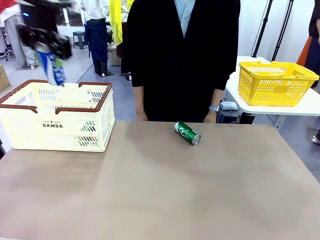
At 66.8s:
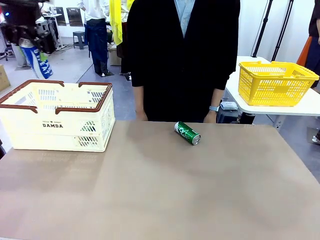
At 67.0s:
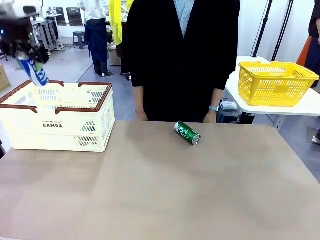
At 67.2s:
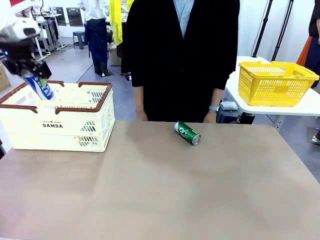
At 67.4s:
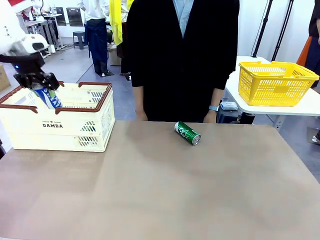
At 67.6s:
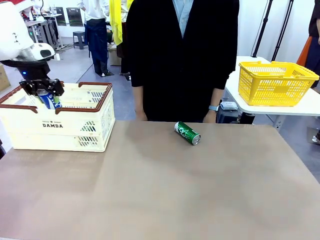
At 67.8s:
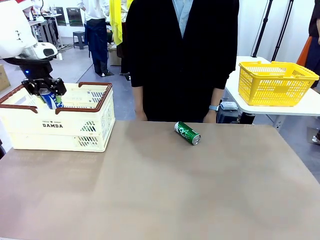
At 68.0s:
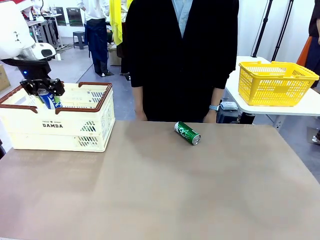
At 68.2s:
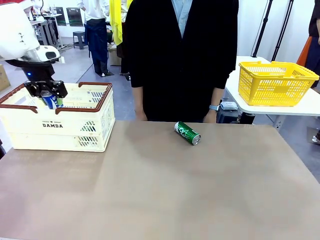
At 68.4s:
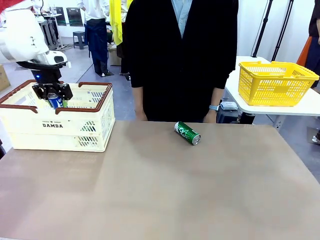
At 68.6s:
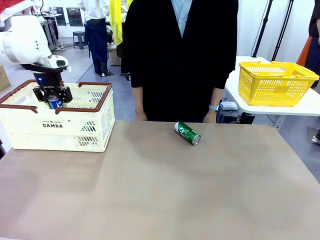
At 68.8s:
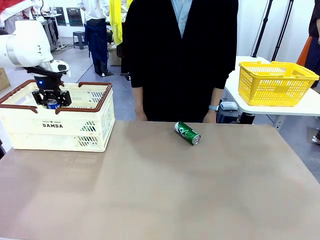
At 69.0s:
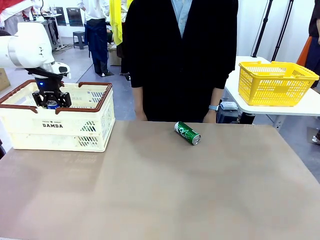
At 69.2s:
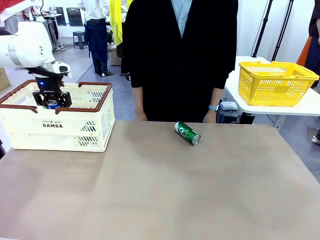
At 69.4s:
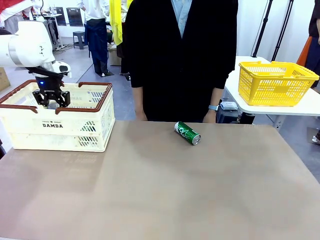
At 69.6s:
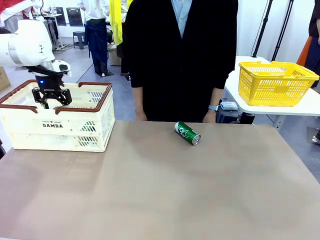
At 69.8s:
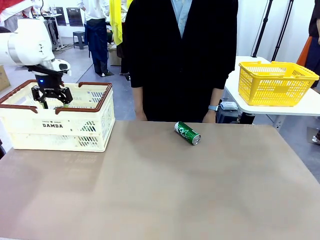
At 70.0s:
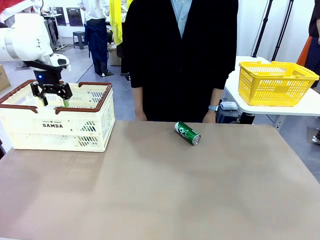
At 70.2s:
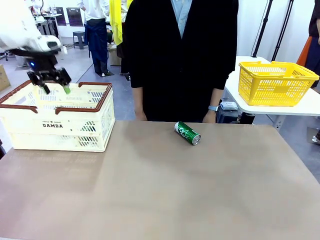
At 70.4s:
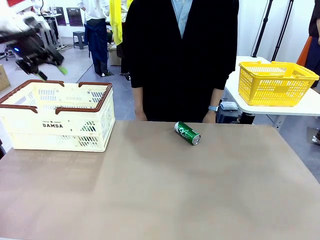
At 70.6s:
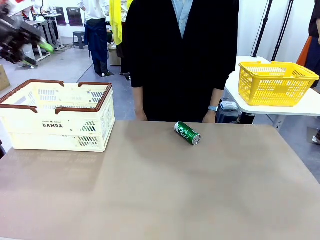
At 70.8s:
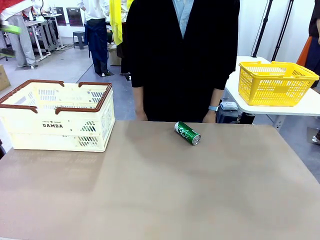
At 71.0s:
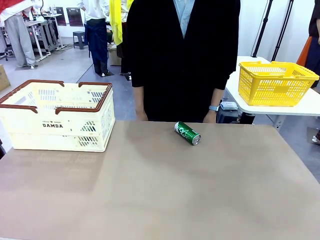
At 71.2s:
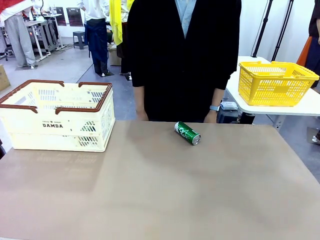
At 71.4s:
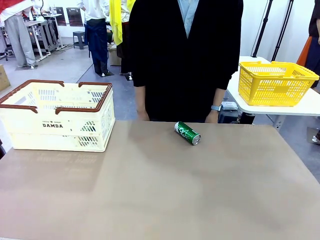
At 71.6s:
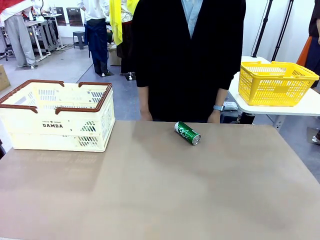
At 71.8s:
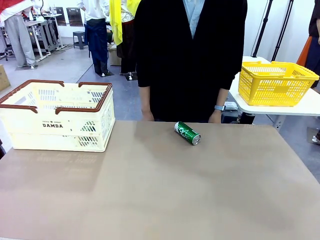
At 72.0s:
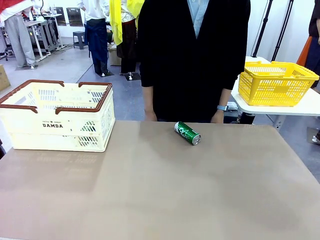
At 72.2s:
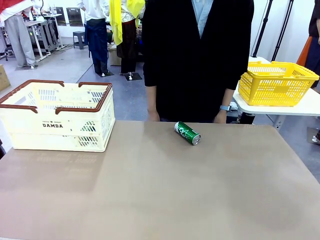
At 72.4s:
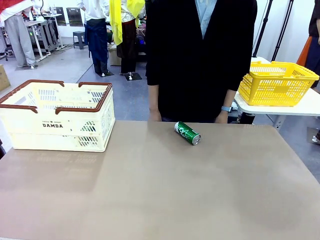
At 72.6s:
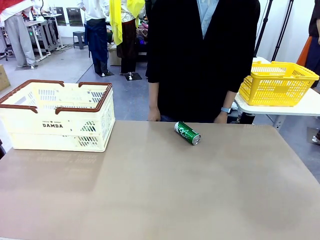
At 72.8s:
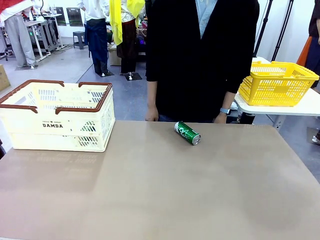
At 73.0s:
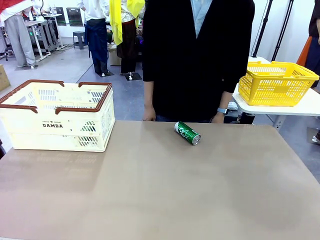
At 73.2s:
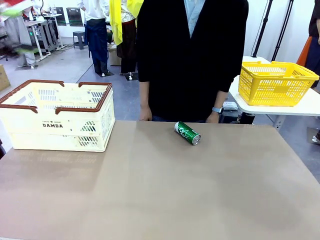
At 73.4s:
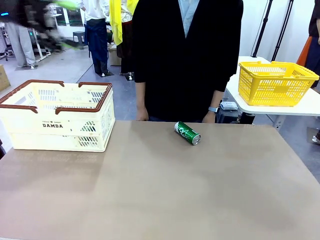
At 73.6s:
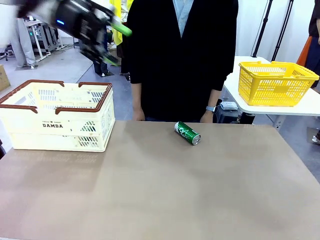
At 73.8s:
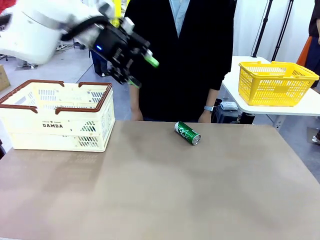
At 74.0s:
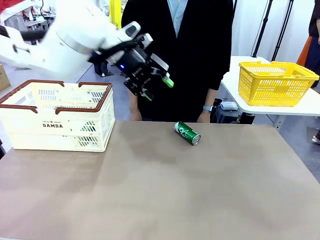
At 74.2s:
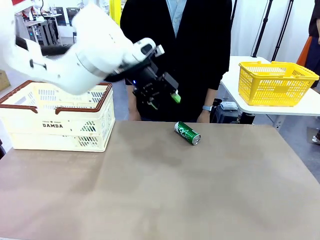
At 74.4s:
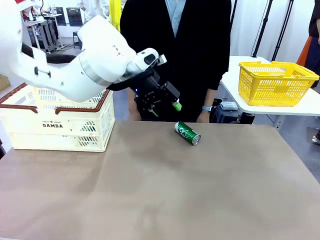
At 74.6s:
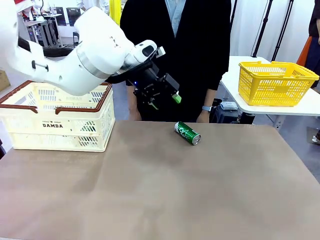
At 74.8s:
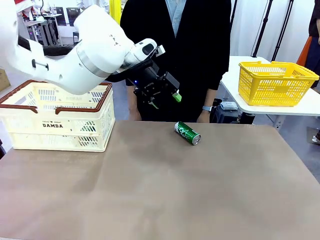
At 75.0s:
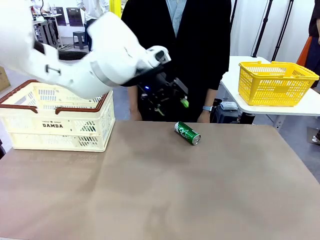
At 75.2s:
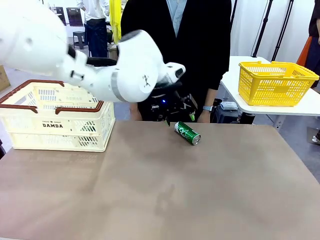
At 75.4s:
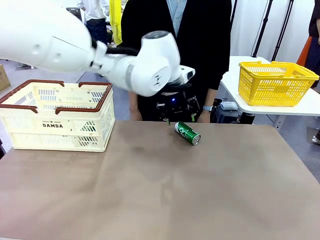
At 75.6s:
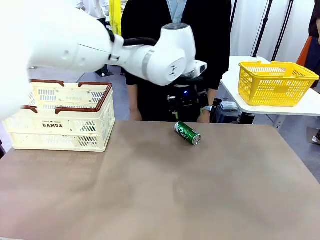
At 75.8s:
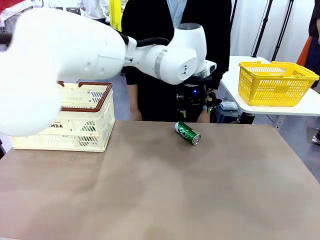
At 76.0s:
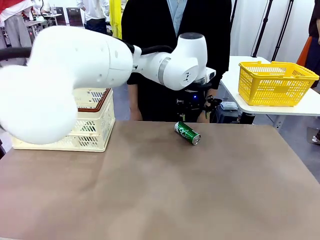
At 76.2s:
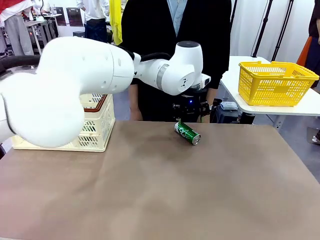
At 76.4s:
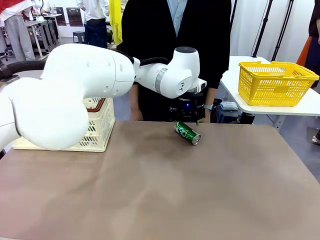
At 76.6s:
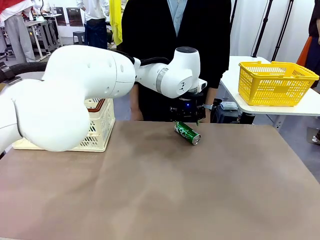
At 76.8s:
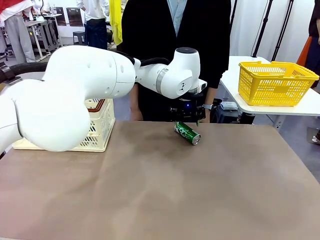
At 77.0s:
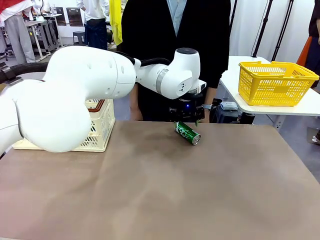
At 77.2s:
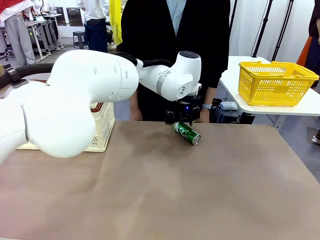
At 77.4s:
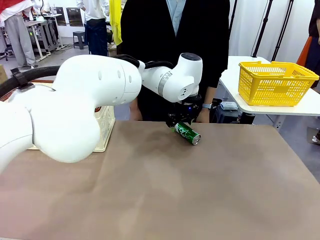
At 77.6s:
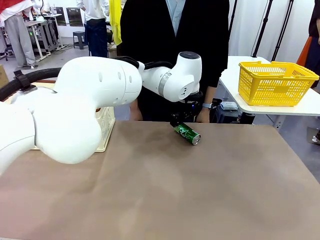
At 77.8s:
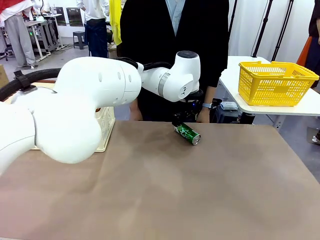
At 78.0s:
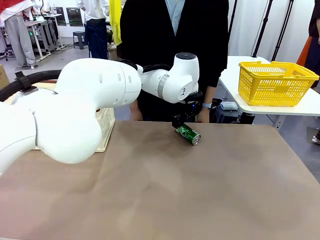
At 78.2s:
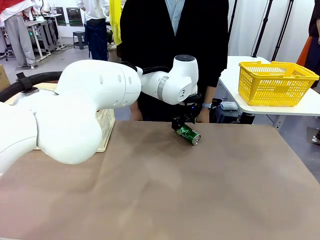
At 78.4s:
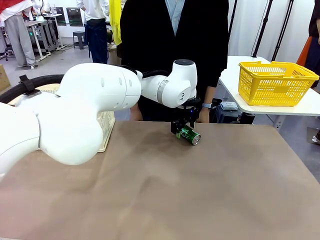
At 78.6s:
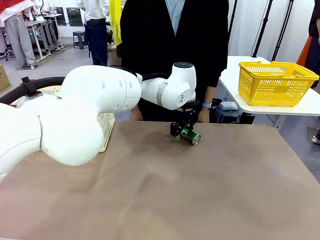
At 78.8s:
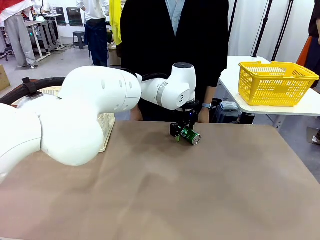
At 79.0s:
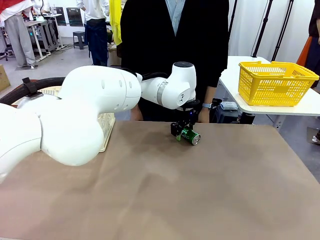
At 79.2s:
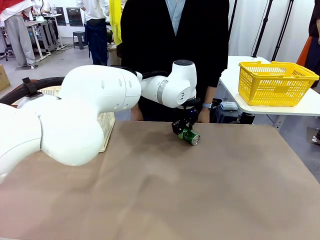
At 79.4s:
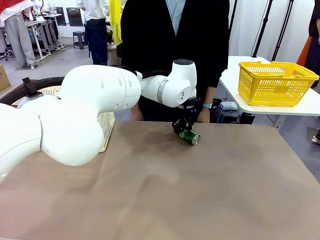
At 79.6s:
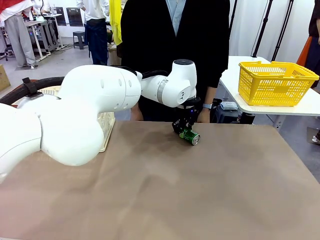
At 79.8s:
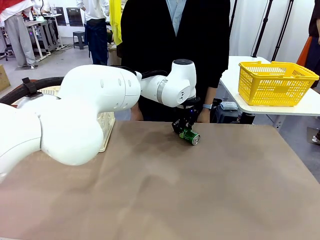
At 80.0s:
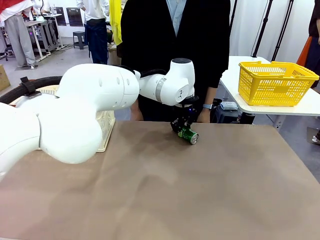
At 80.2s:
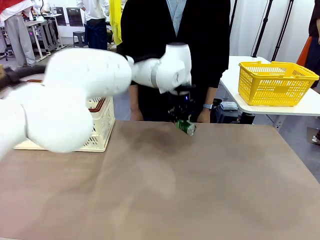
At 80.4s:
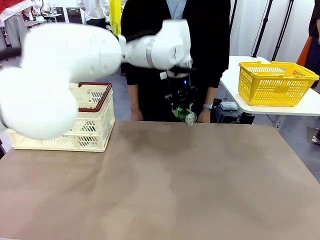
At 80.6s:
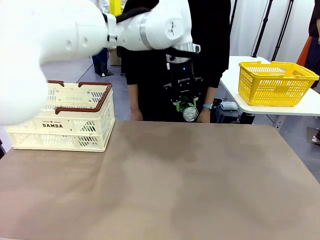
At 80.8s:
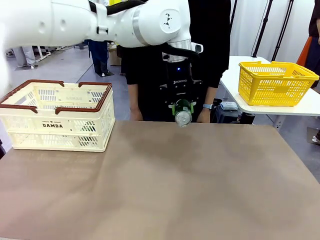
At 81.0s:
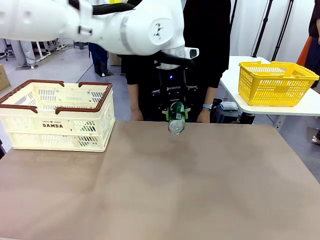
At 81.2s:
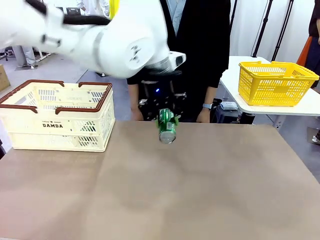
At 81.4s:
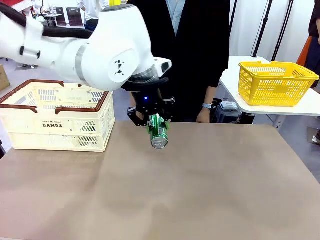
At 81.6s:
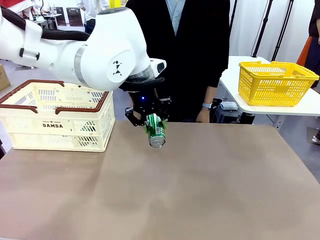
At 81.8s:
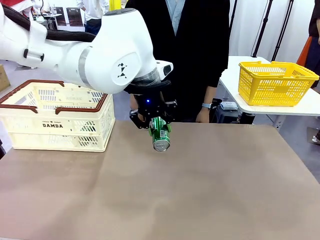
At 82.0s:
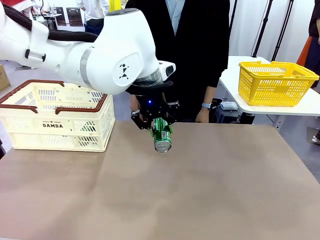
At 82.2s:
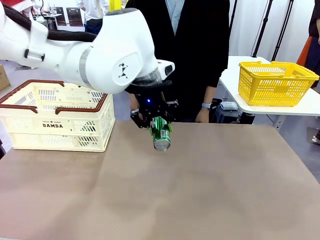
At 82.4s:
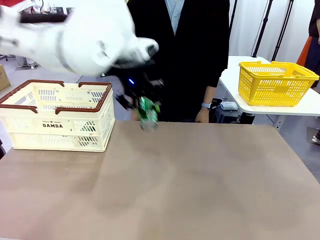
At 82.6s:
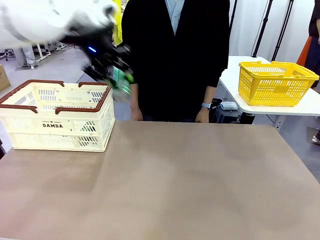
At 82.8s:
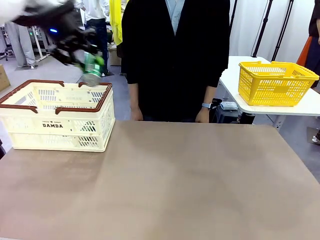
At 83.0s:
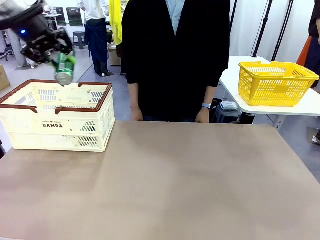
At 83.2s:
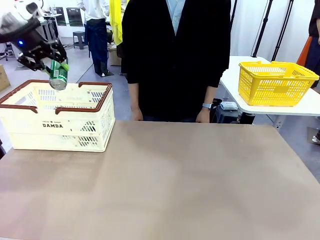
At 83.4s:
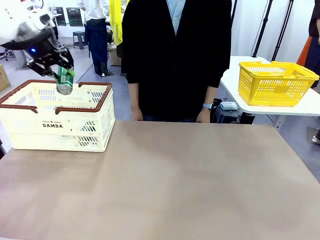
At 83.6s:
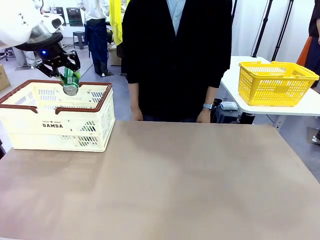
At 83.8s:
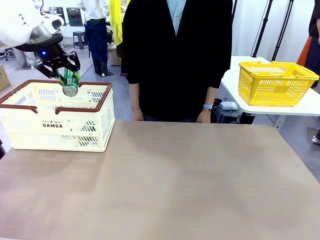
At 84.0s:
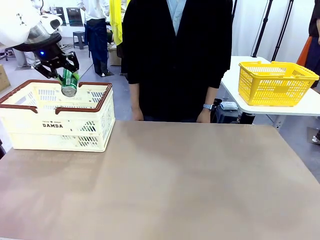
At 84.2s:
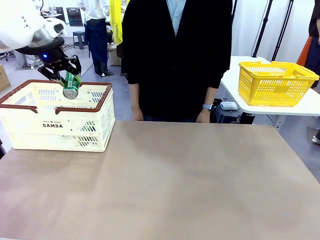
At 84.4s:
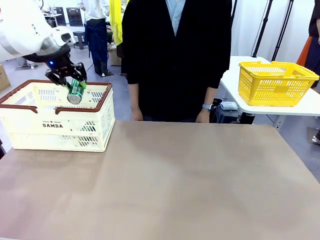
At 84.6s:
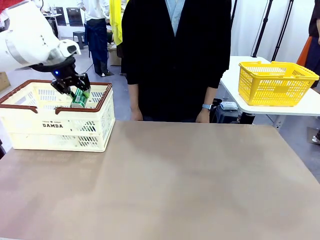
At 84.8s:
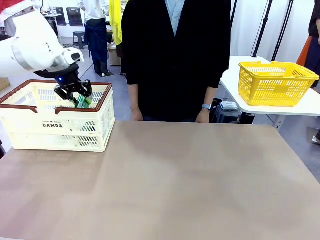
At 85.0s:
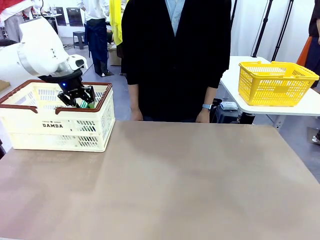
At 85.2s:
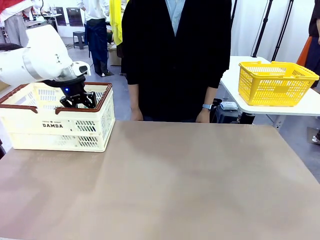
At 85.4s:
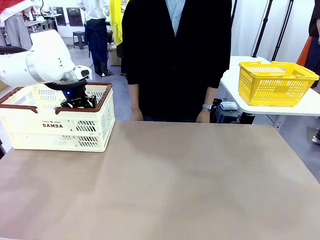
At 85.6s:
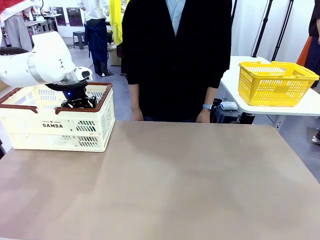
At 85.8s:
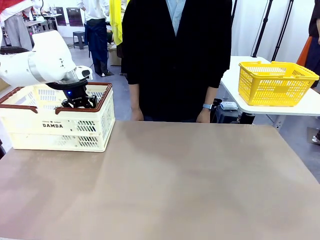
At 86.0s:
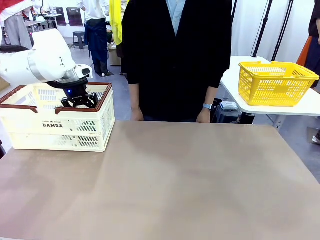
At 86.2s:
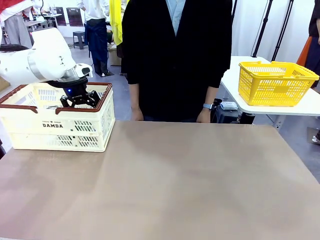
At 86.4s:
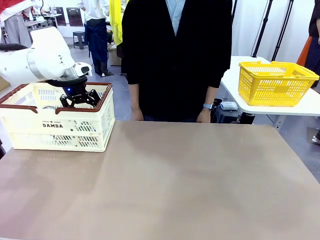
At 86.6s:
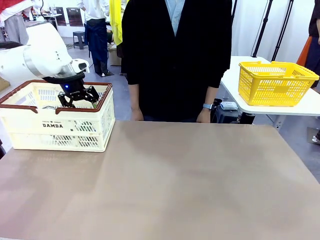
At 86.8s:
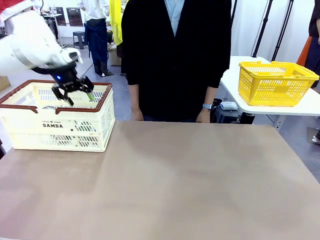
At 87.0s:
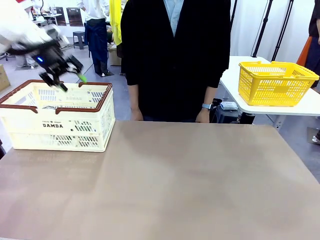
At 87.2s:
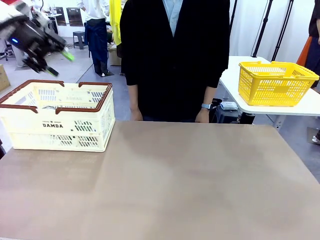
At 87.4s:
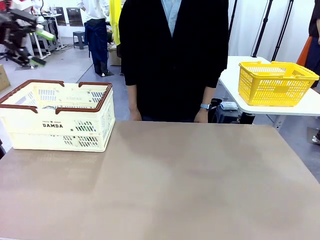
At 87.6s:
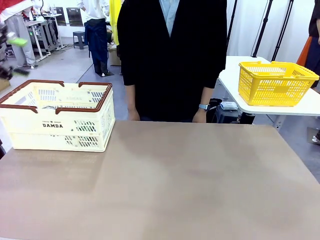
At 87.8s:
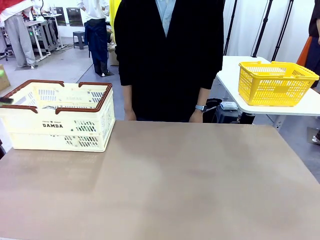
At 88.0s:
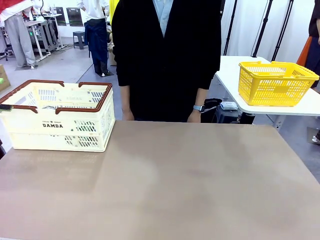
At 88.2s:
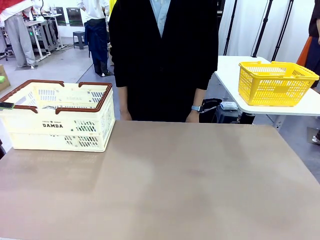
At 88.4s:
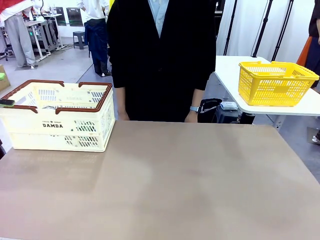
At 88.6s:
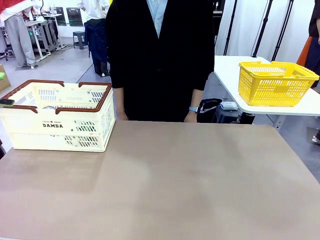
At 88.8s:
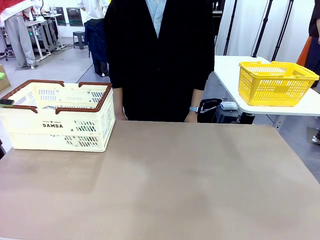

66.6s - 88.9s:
Task: Place the drinks into the Shopping basket.
Robot: Pick up one drink and place it into the Shopping basket.
